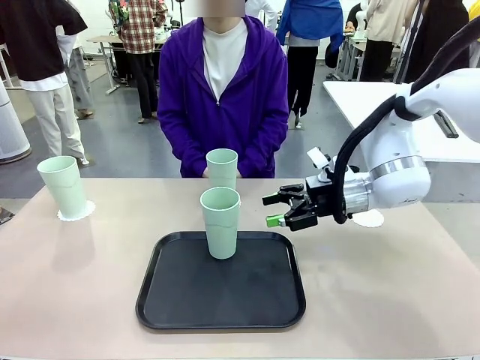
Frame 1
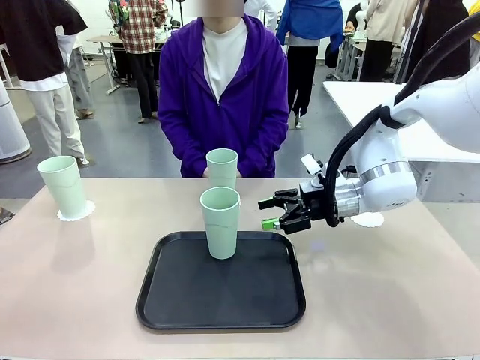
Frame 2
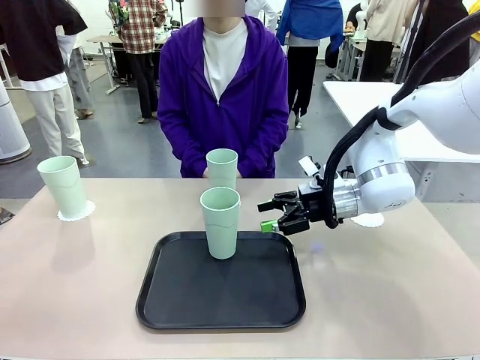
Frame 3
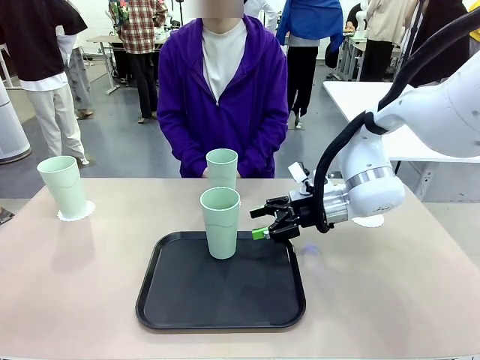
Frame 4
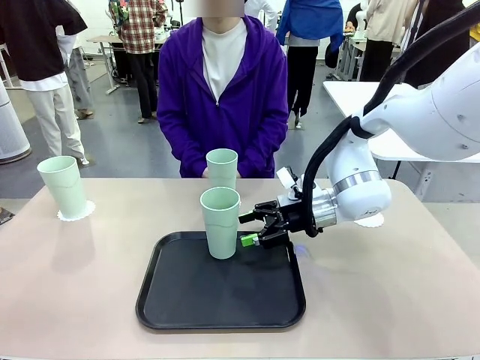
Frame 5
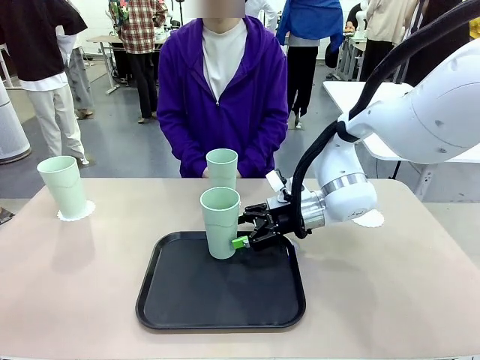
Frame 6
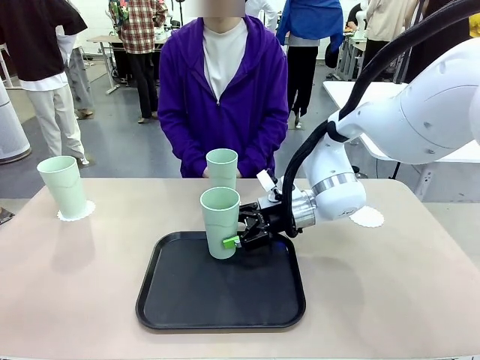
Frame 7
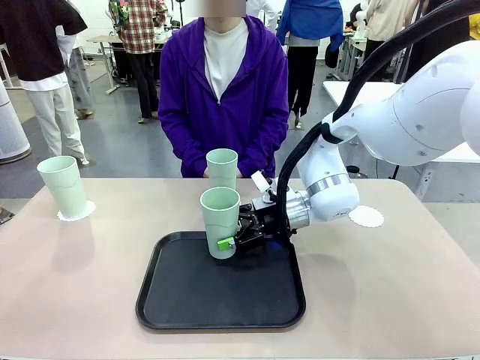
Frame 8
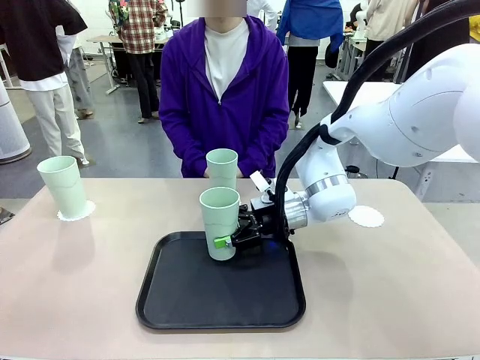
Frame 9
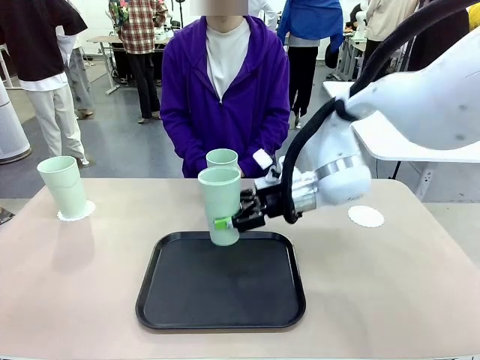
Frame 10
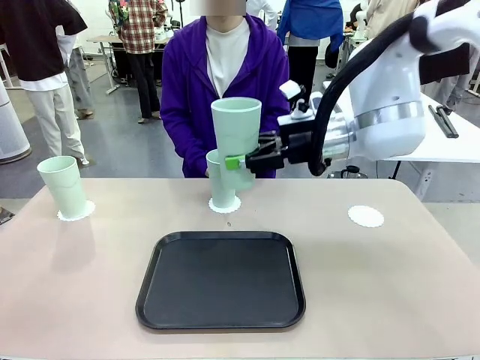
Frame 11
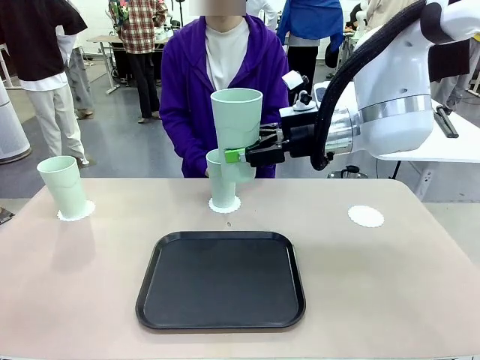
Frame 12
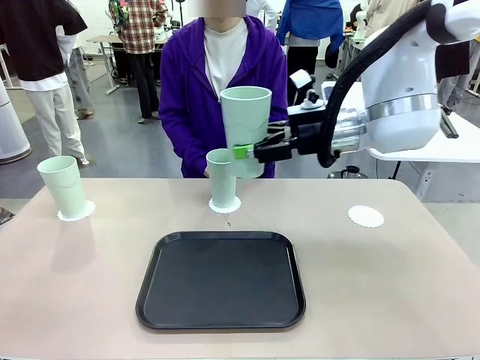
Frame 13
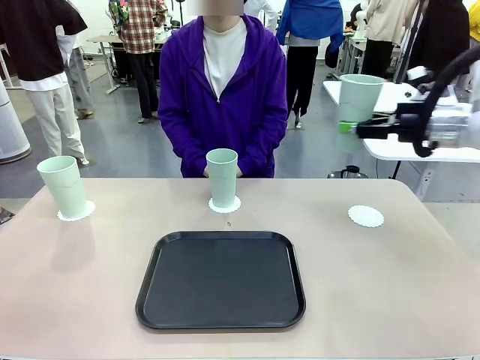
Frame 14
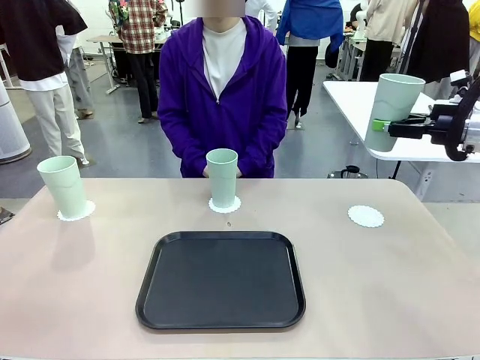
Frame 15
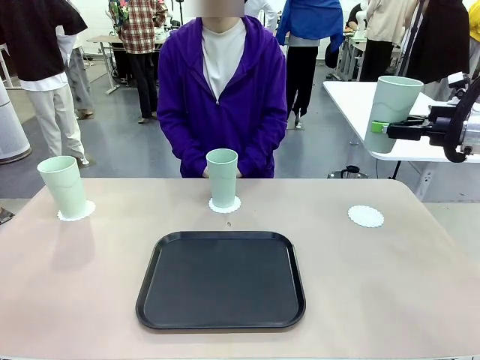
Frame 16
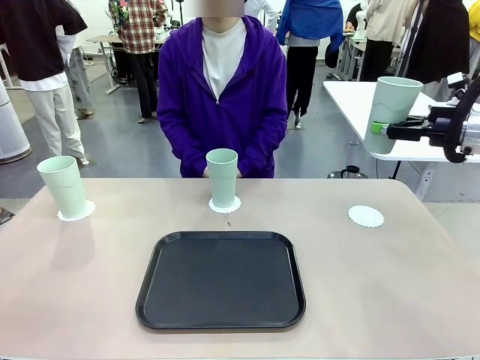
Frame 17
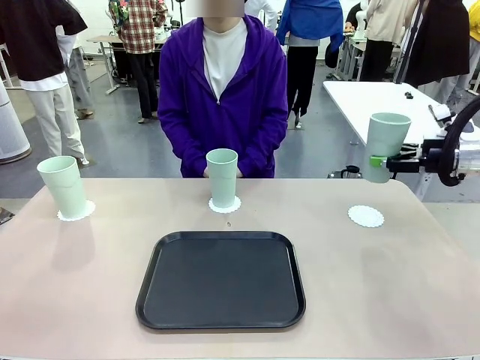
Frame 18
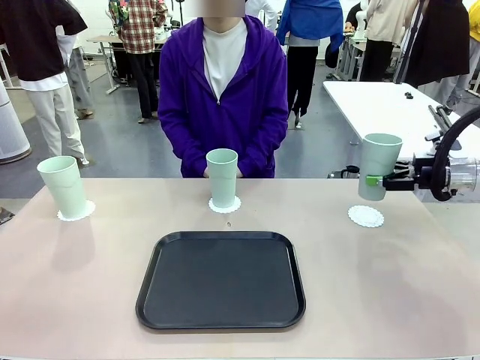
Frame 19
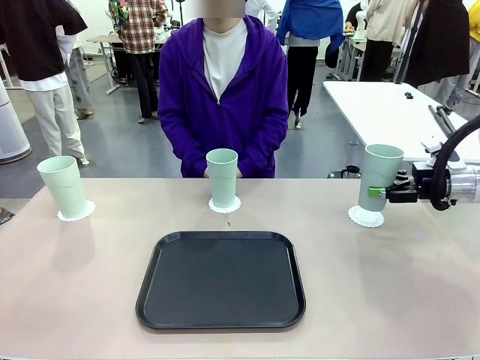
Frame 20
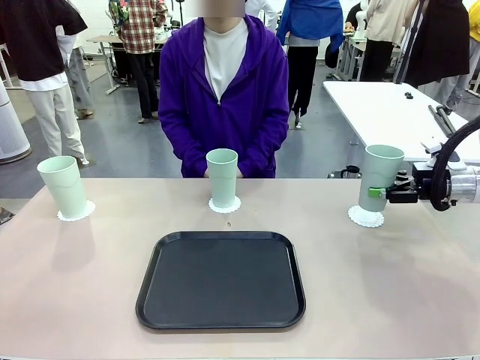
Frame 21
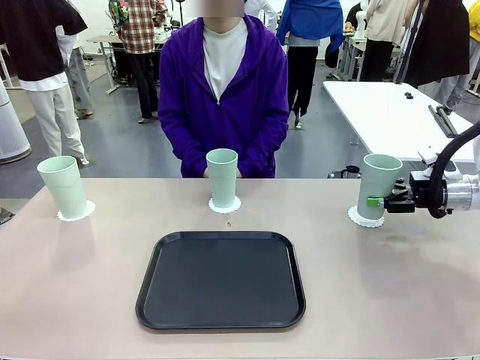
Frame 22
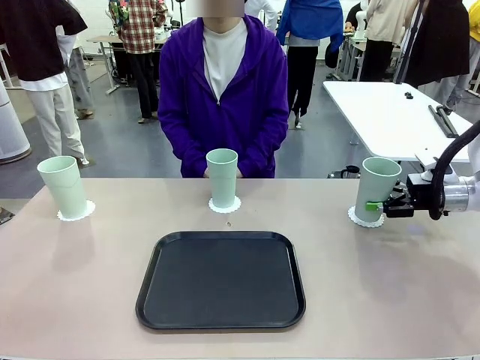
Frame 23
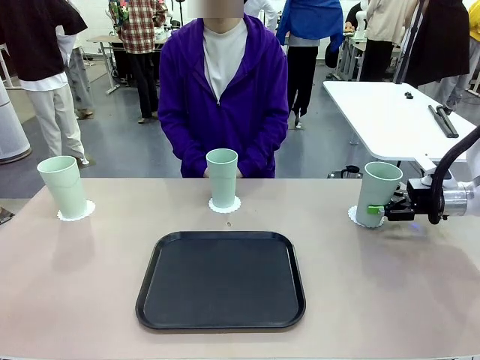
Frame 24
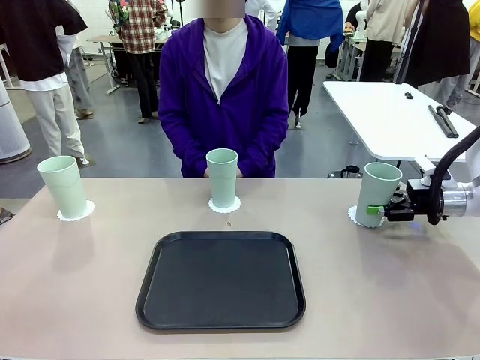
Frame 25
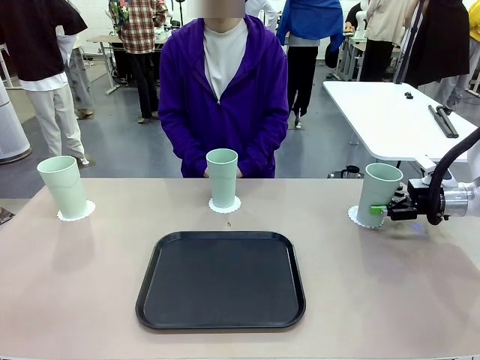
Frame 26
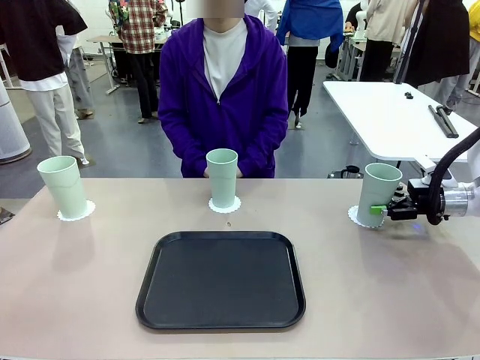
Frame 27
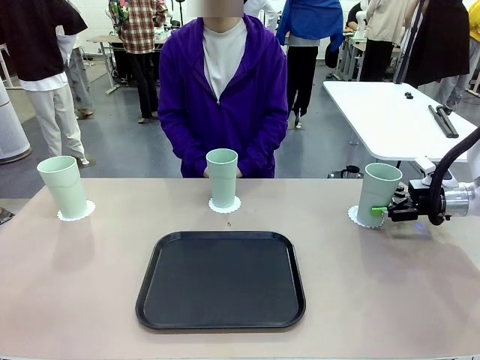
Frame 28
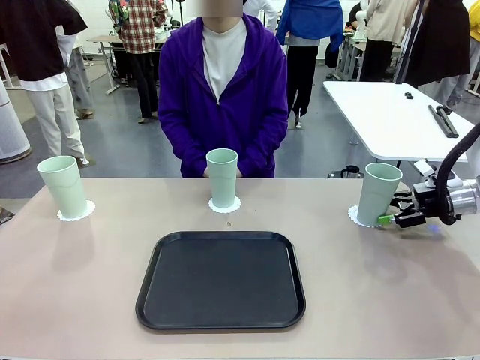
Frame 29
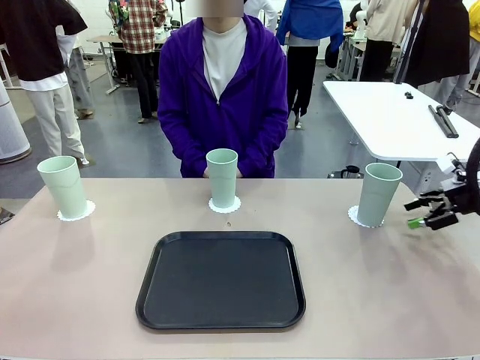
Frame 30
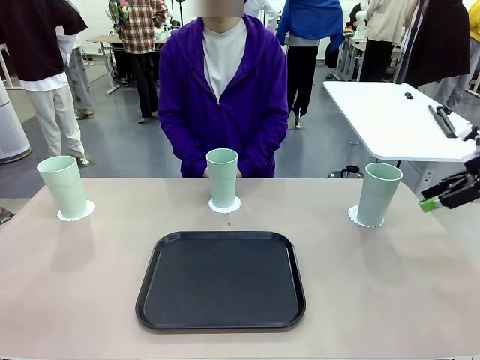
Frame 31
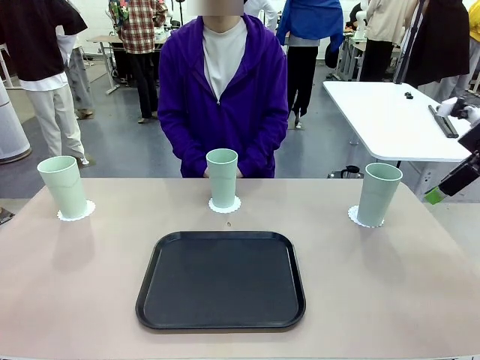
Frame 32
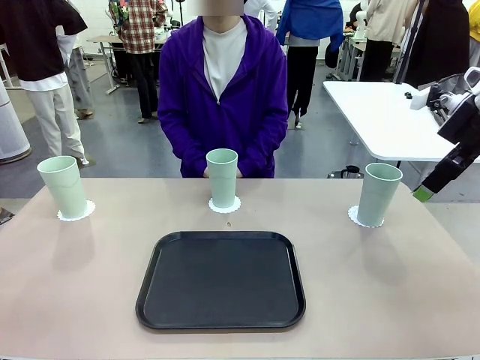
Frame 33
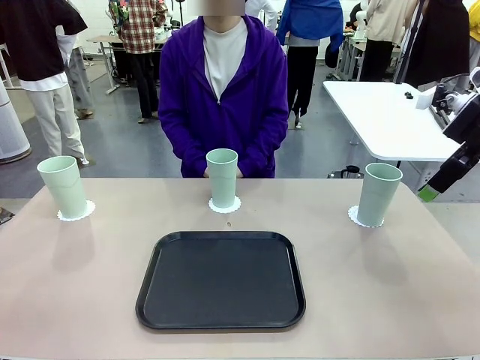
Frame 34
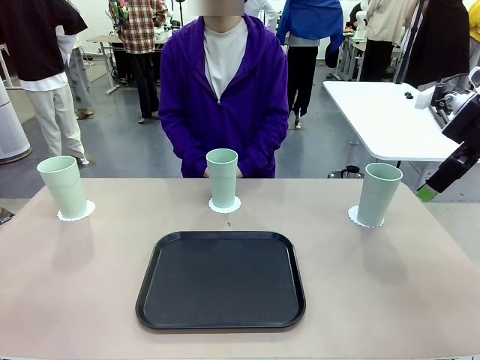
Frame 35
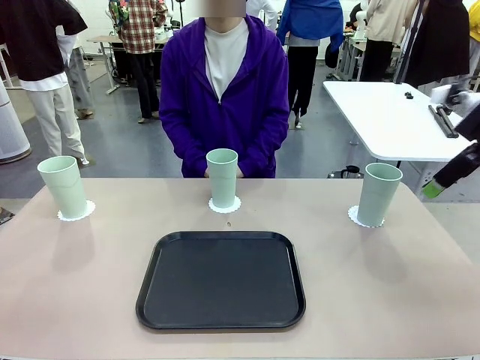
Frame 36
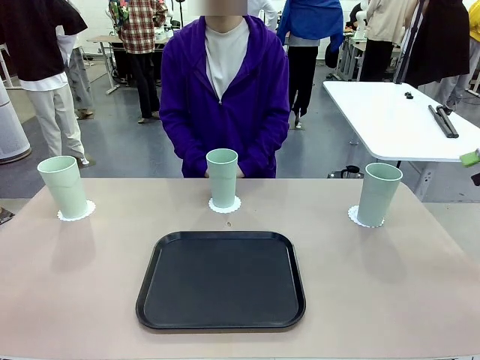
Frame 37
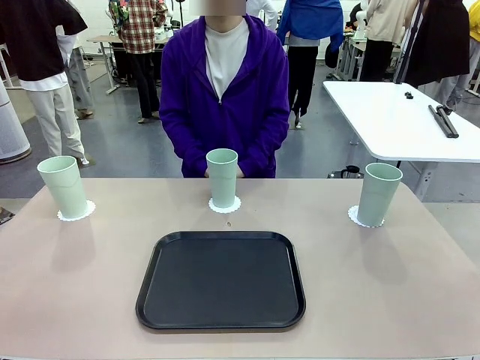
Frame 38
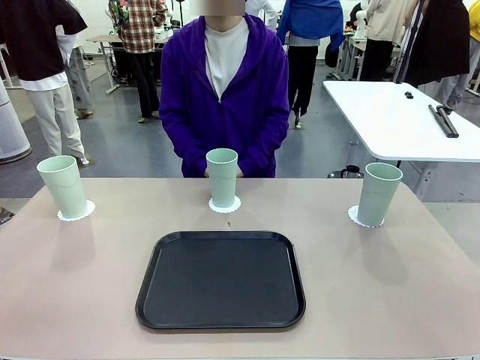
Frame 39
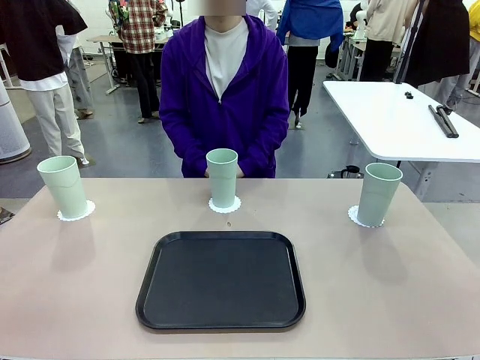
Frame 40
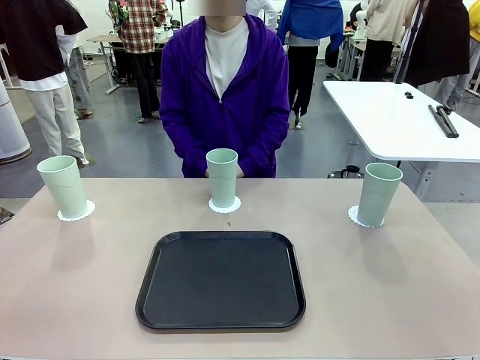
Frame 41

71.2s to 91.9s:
Task: Place coasters on the table and set cups on them.
Robot: Take one Reusable plastic cup from the Flat Tray and place it on a coaster set by the human.

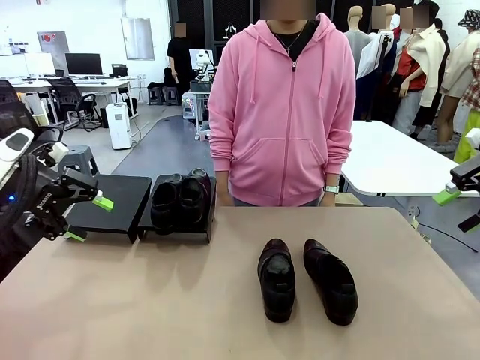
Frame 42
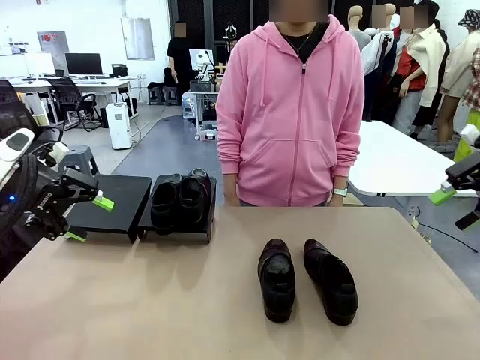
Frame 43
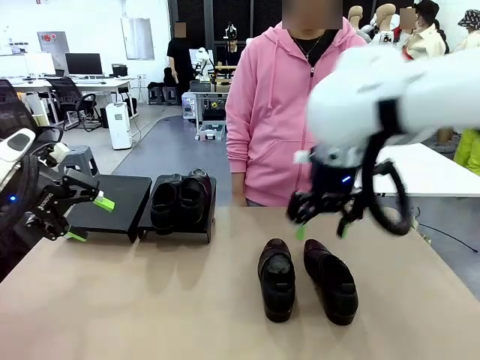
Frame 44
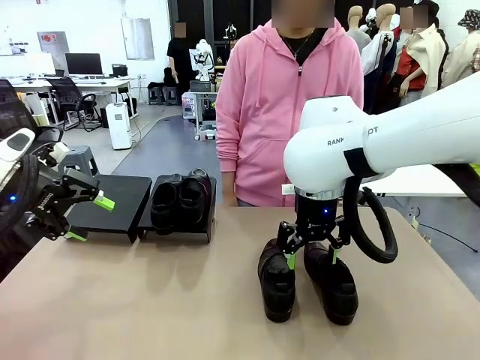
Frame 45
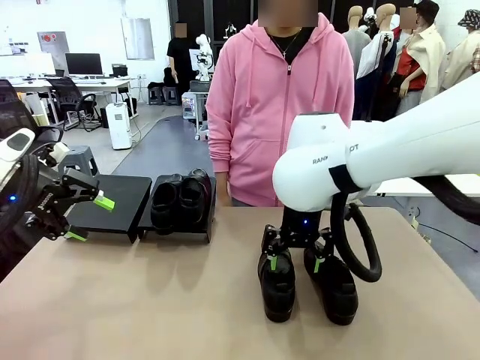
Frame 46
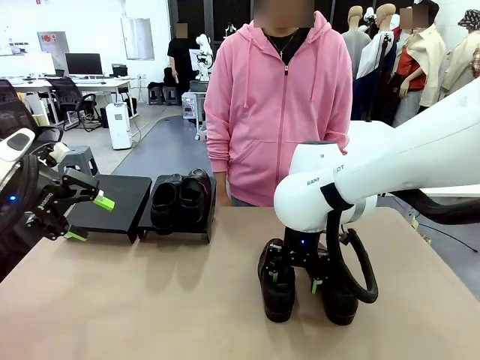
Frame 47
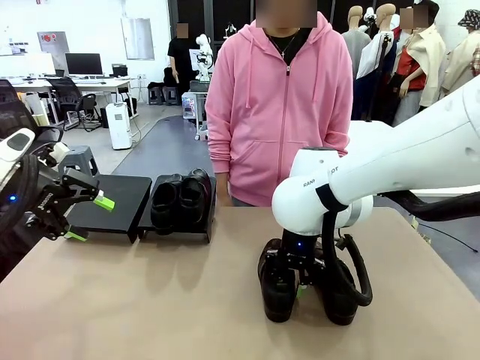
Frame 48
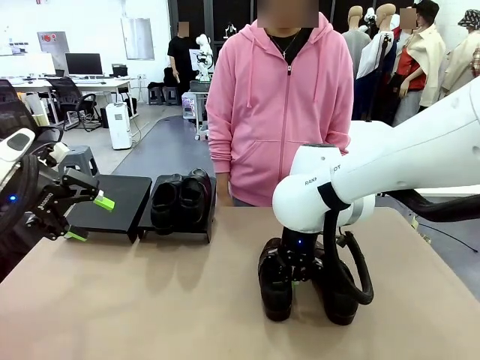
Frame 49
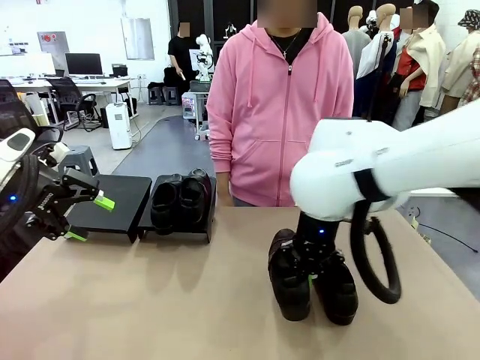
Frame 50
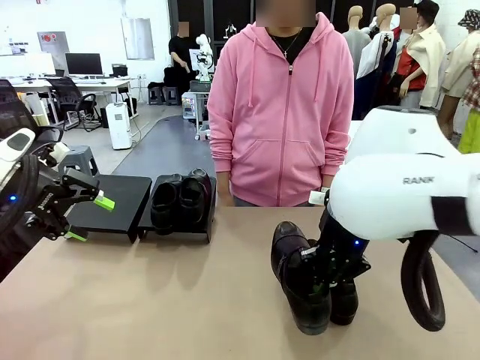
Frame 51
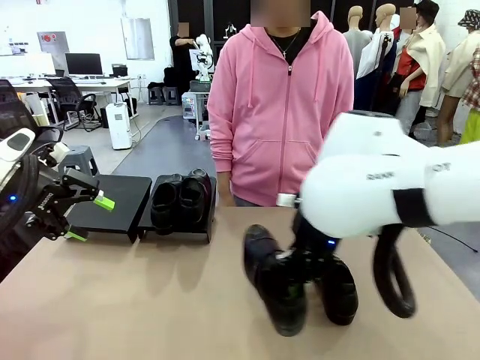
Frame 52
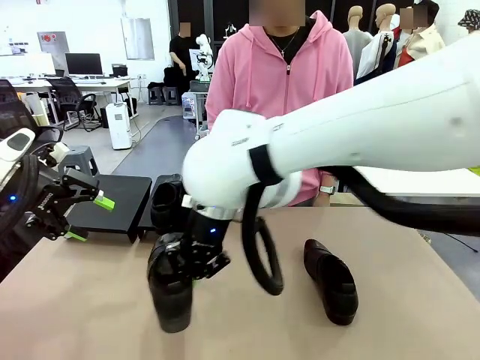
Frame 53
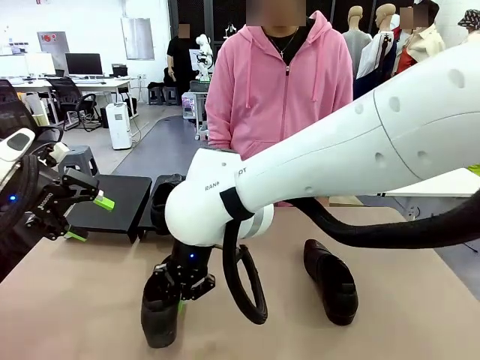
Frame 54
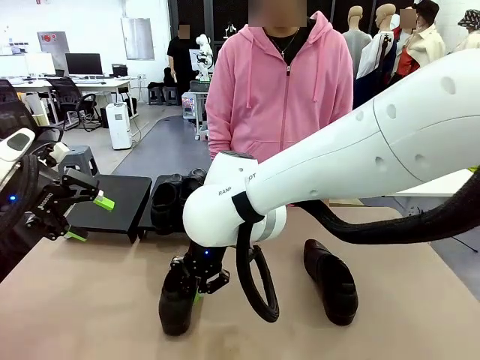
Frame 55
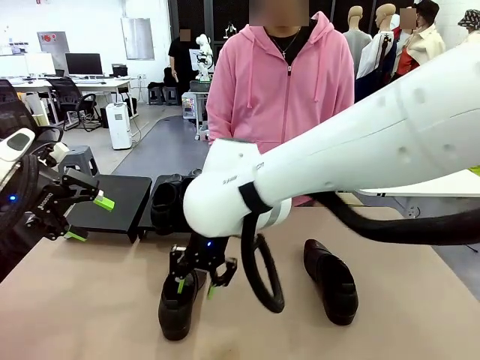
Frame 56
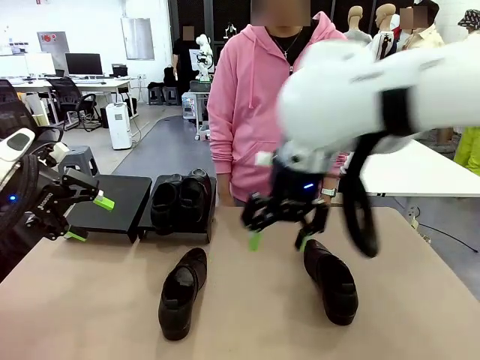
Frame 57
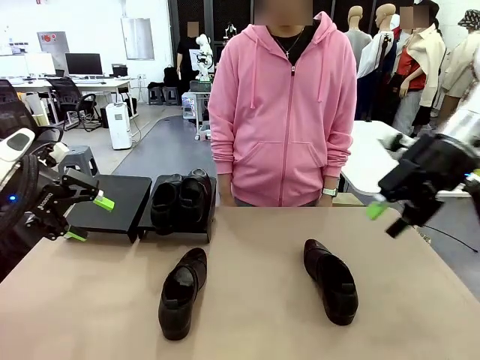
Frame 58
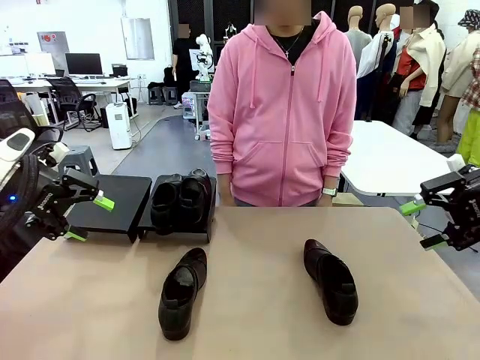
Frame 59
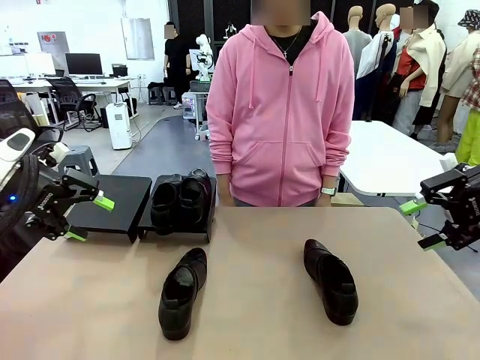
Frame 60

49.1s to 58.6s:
Task: Organize the shoes by placing them on the stand.
Robot: Pick up one Shoe and place it in the middle of the table.
